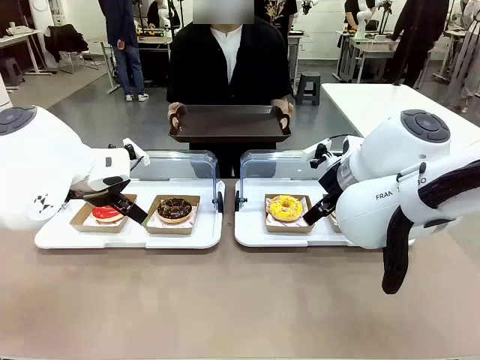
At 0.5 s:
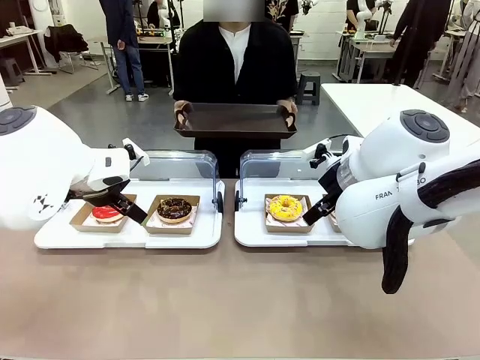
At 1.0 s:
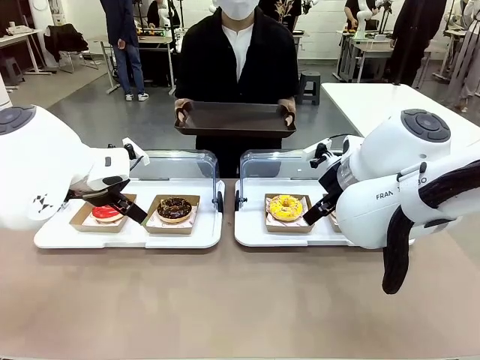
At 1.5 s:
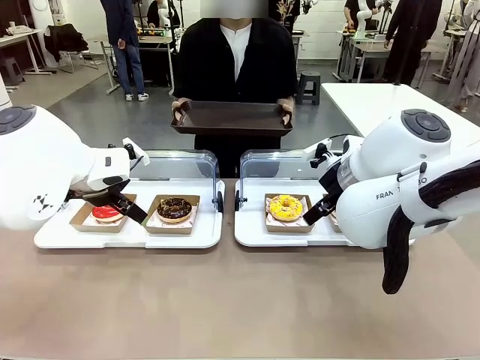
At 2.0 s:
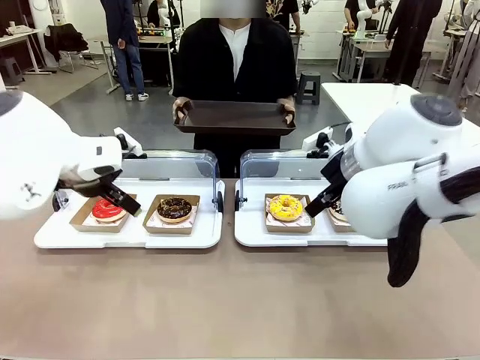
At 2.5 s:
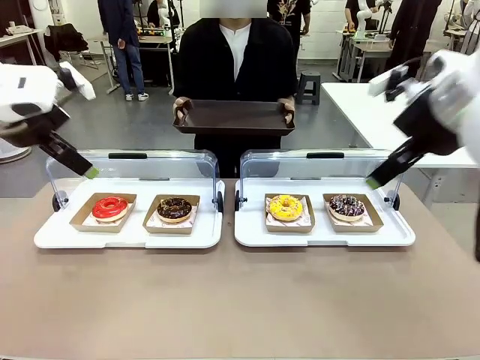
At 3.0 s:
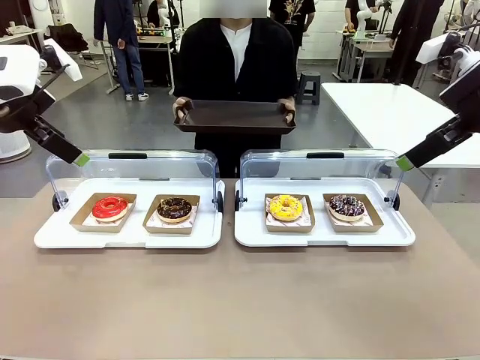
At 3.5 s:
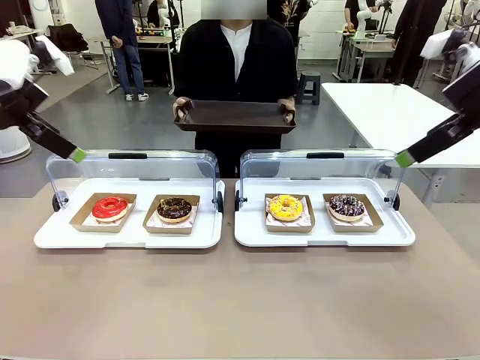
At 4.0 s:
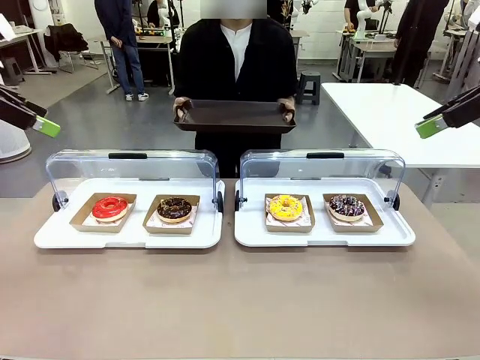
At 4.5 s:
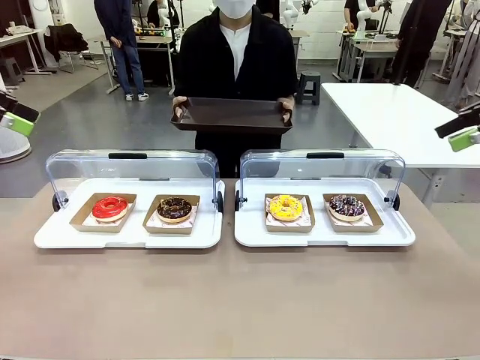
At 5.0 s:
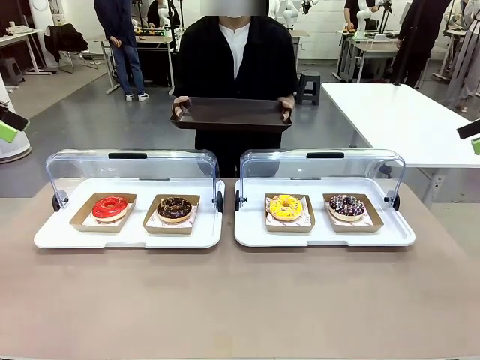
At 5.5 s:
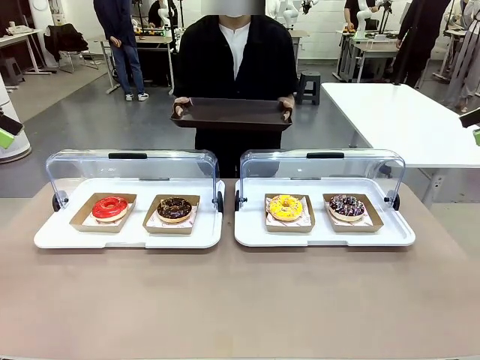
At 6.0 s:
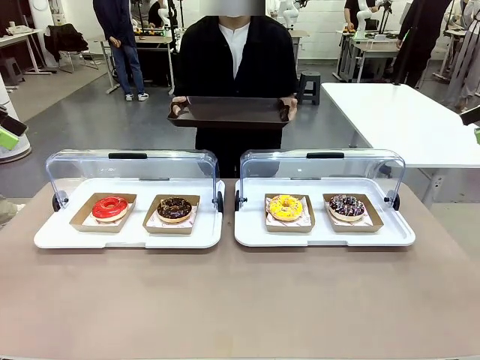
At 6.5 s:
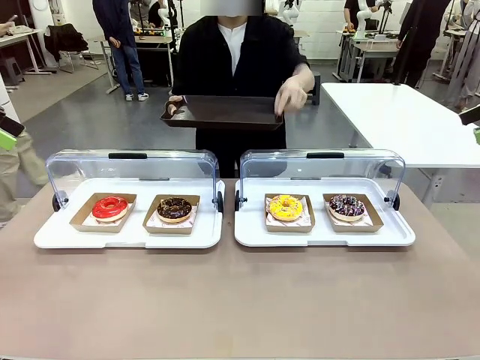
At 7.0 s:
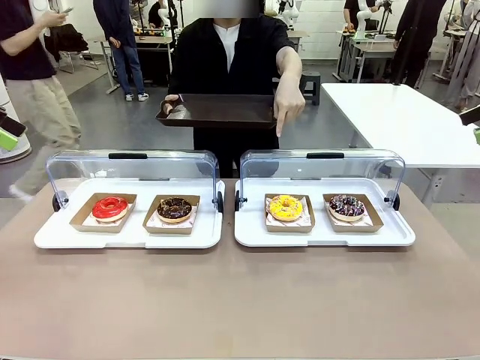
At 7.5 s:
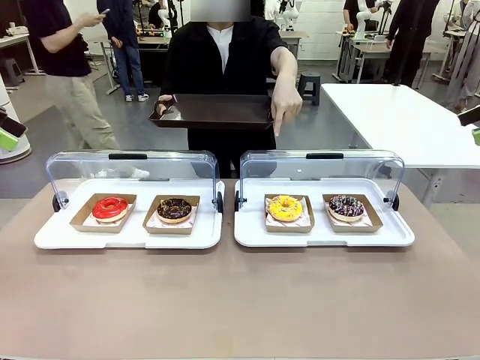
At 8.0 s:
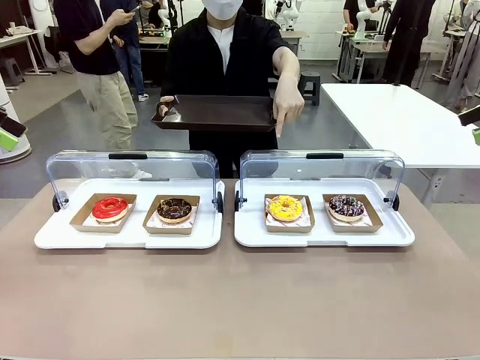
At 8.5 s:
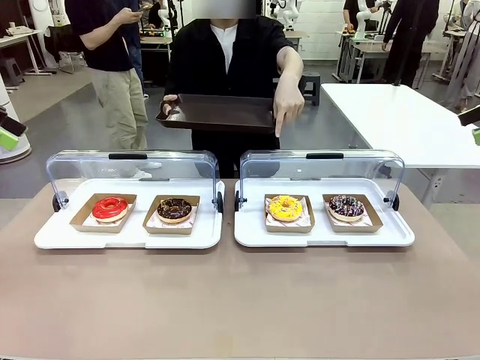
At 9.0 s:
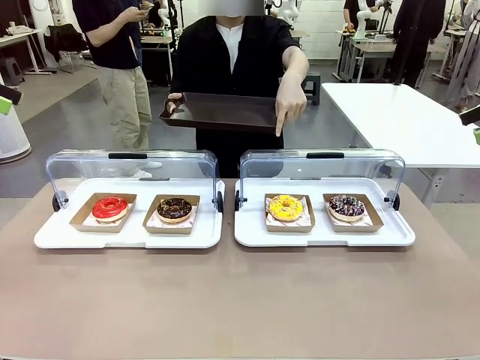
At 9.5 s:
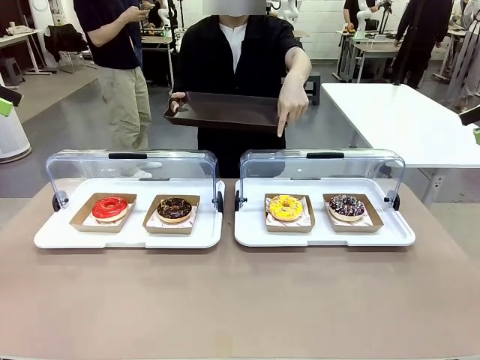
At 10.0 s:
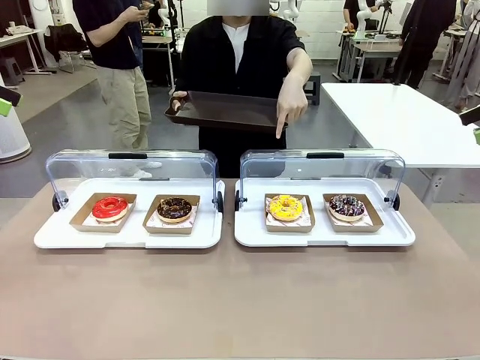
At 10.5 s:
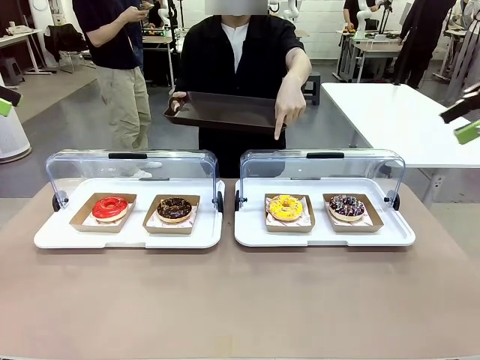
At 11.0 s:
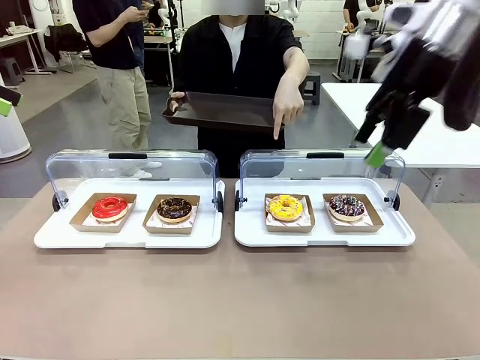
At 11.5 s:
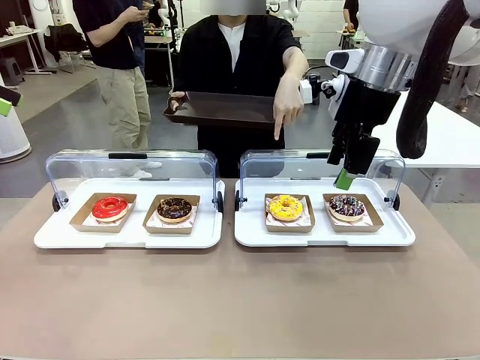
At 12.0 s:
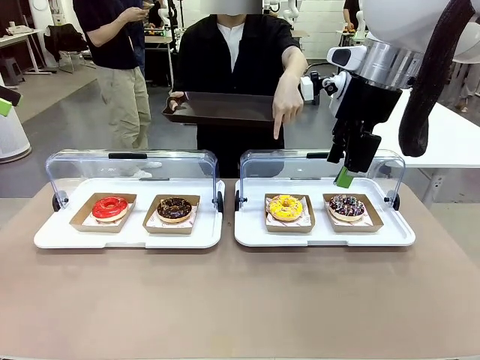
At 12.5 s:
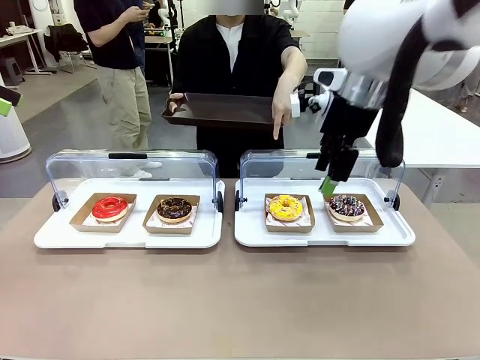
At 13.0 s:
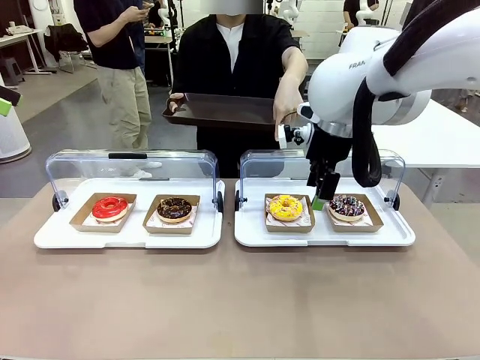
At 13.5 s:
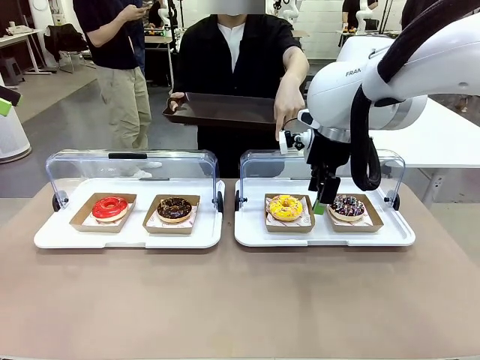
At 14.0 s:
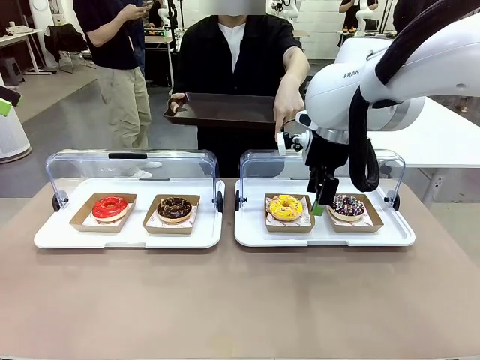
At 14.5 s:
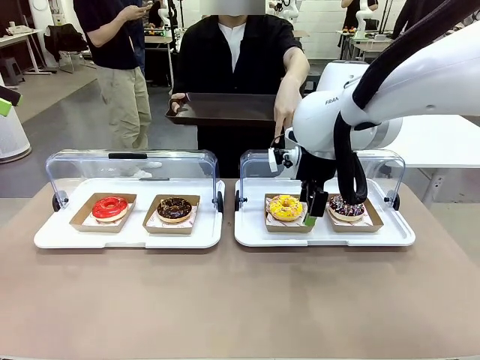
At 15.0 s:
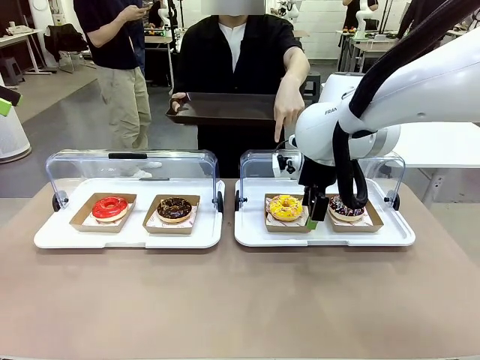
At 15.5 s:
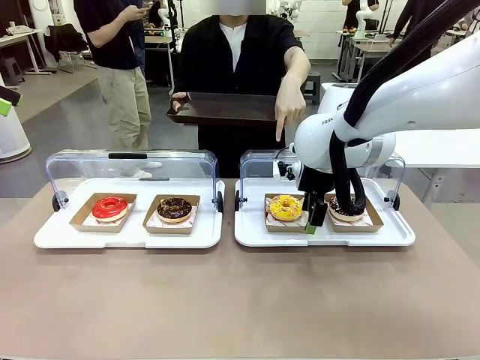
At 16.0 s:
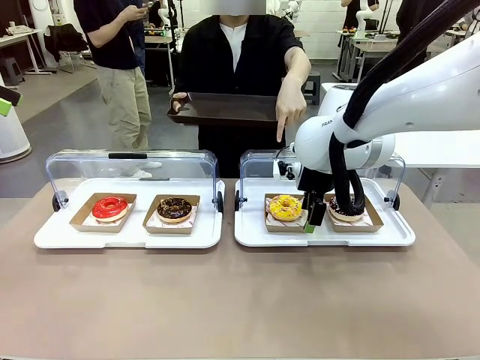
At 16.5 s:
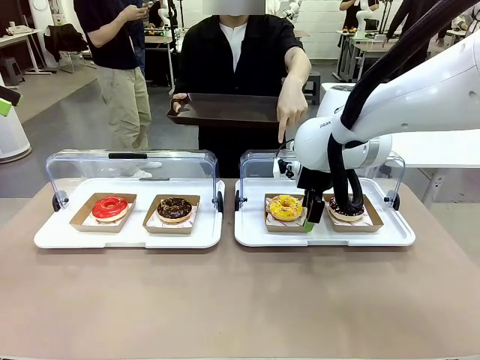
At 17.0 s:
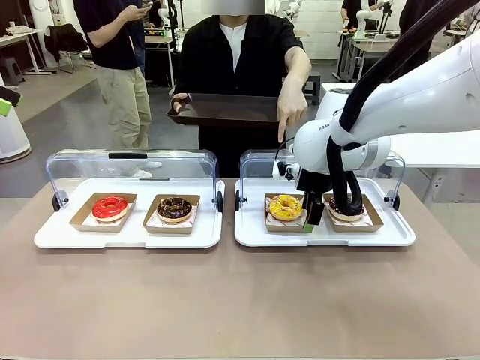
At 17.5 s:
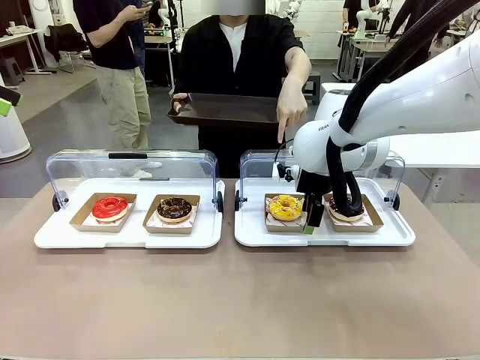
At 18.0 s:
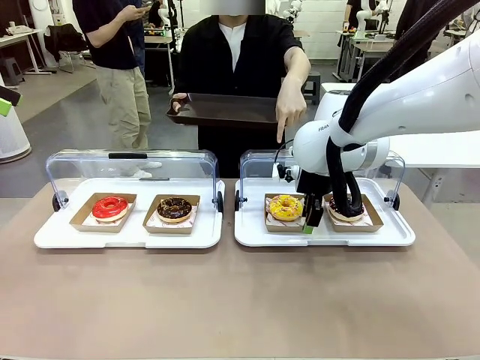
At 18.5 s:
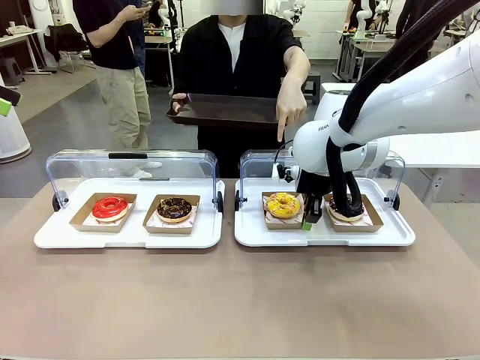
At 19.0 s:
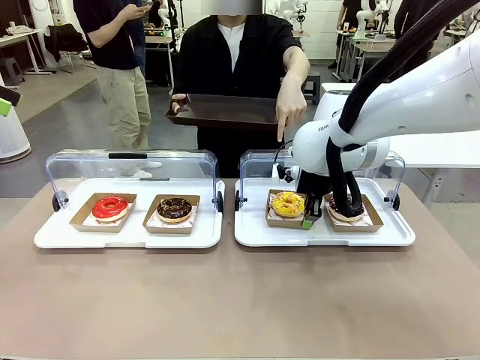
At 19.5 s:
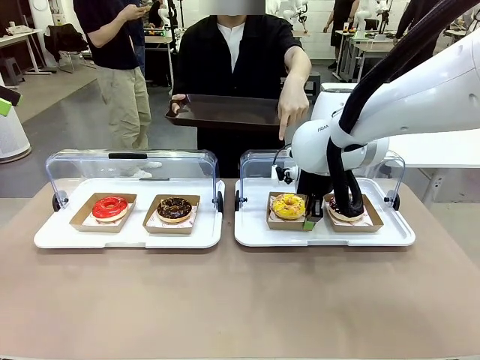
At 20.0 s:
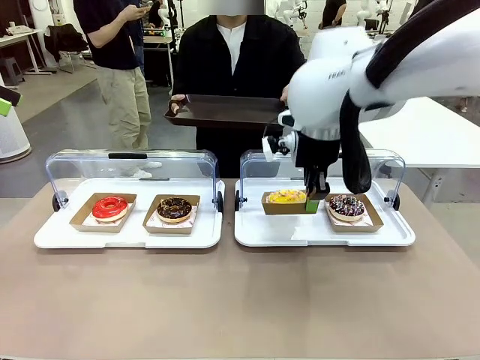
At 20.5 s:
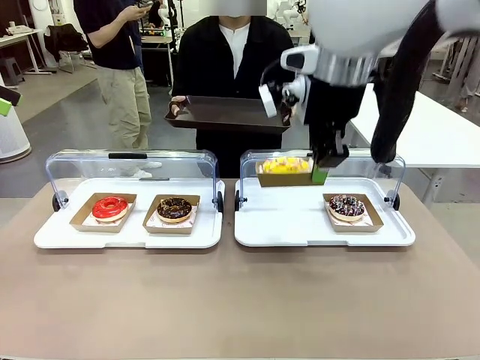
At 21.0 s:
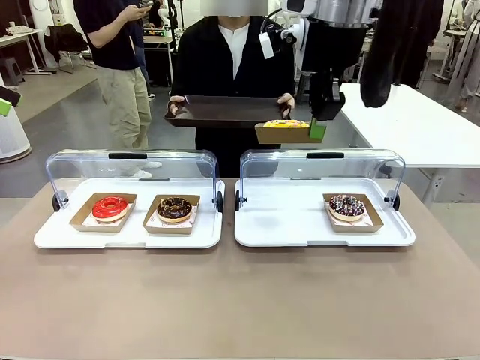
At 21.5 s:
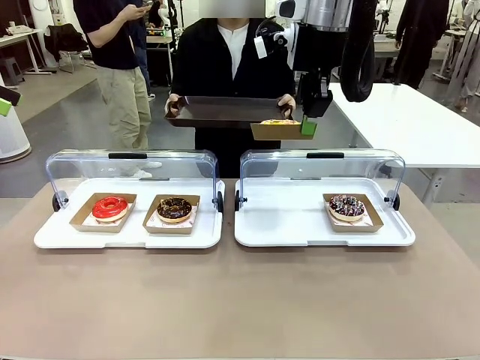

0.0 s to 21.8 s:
Task: Provide the desired donut to the person.
Robot: Pick up and lift the Paper togo box containing the Donut pointed at by the person.
Person: Point to one donut. Lift the tray onto the Roll-Top Bakery Case.

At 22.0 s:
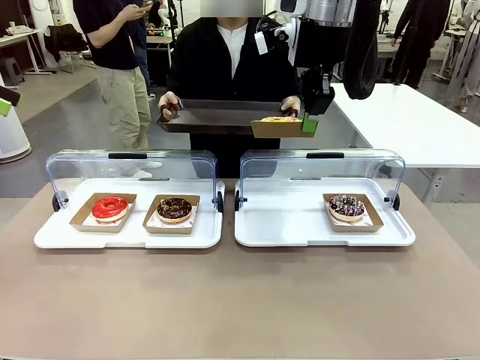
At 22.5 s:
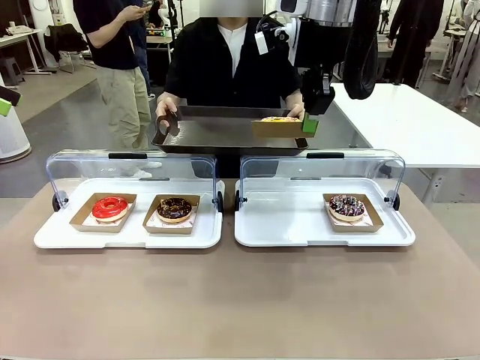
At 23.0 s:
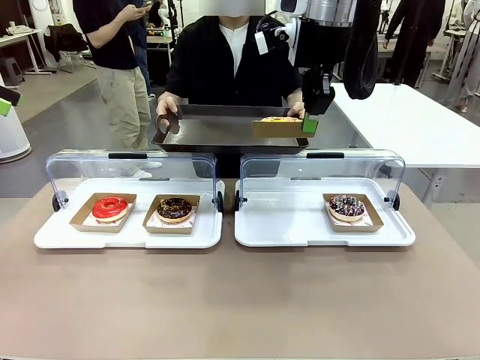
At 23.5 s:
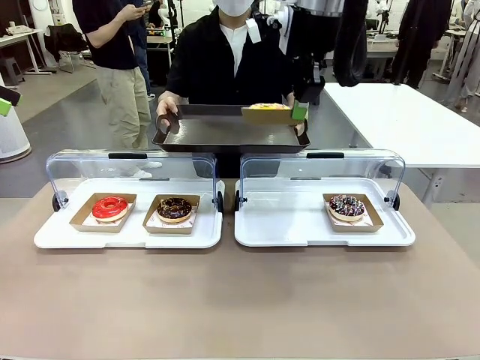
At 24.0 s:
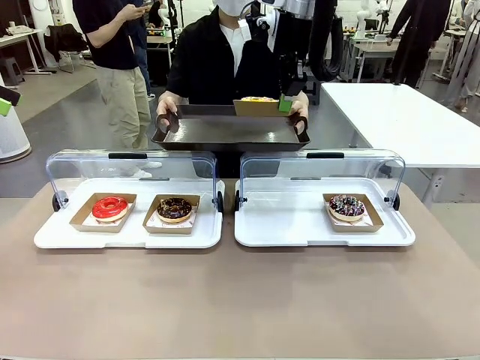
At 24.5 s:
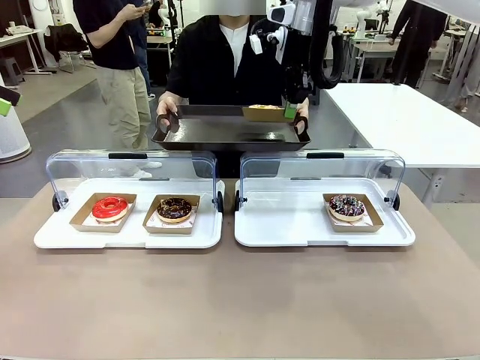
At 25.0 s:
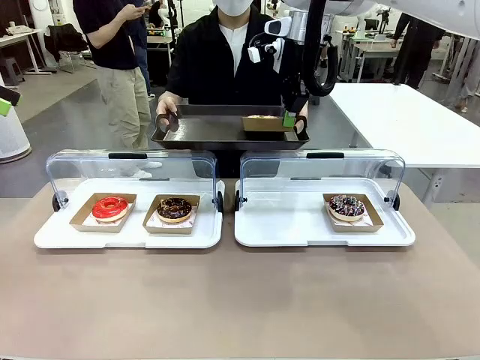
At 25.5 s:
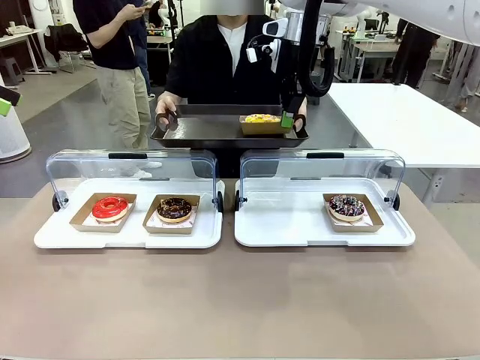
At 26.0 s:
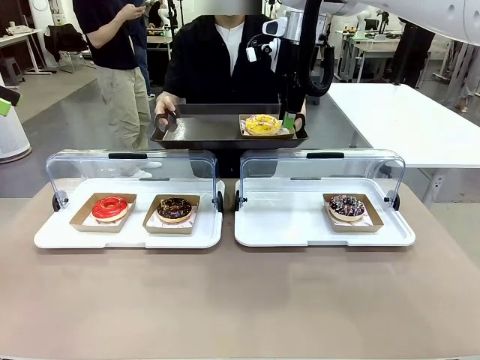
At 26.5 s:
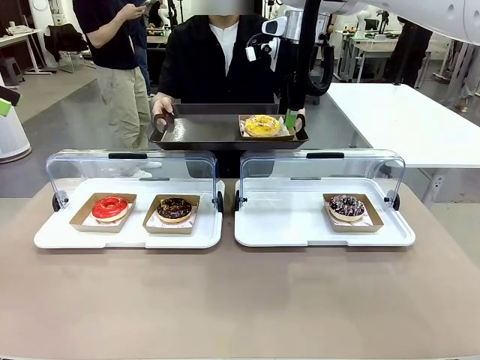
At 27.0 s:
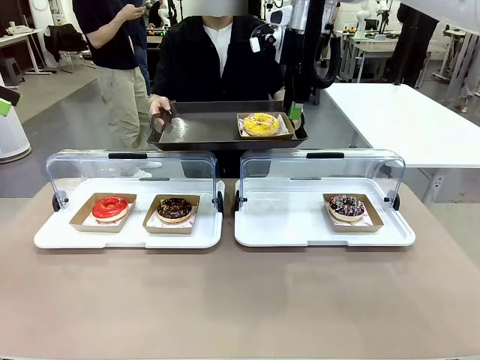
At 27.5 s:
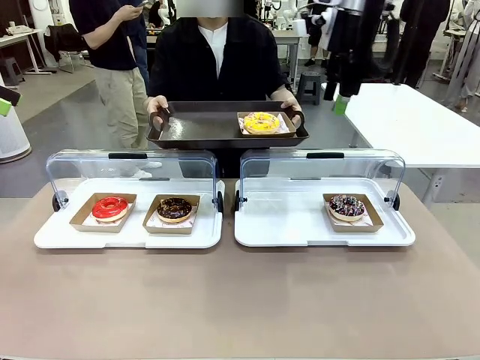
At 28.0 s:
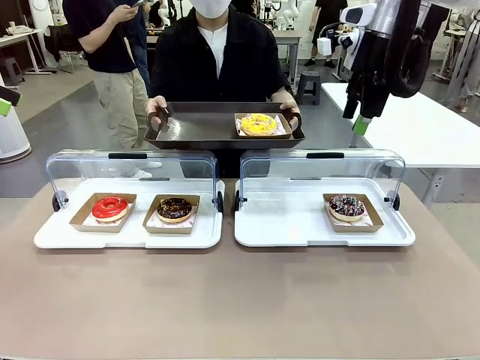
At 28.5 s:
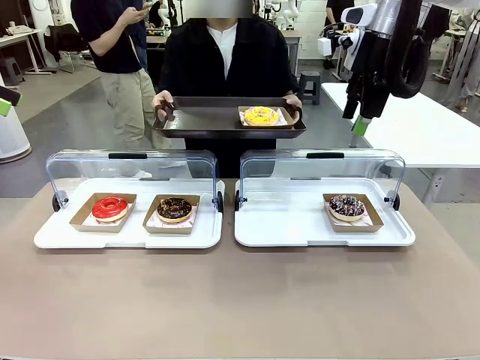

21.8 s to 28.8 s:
Robot: Place the picked Paper togo box onto the Handle tray extended by the person.
